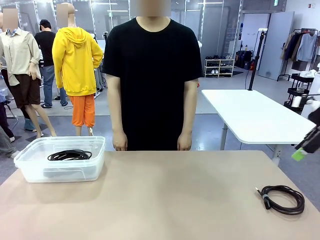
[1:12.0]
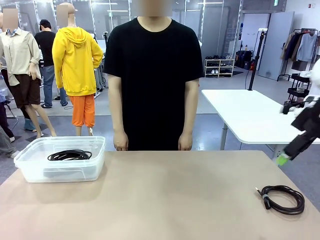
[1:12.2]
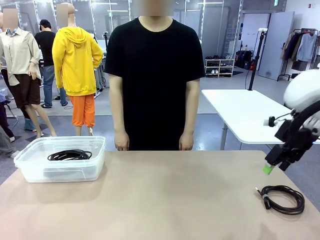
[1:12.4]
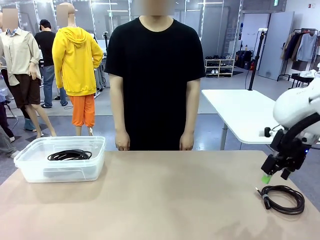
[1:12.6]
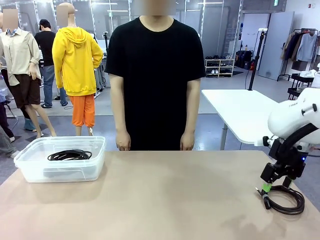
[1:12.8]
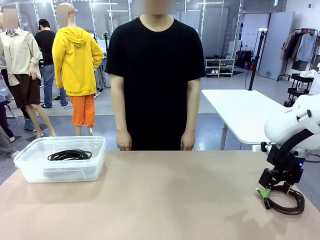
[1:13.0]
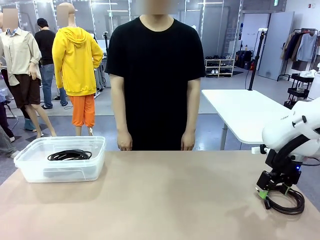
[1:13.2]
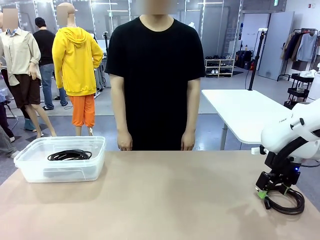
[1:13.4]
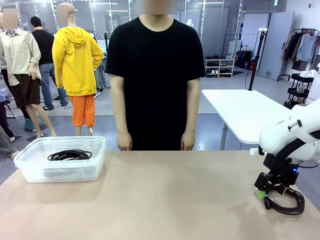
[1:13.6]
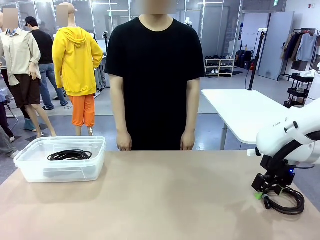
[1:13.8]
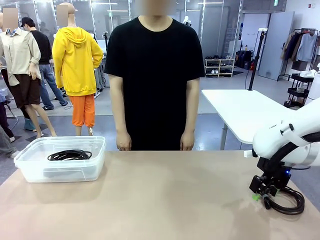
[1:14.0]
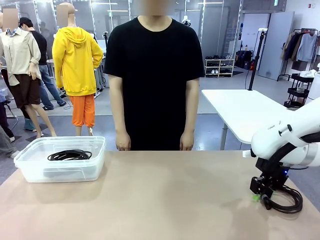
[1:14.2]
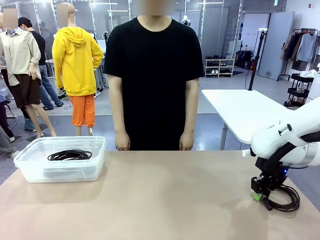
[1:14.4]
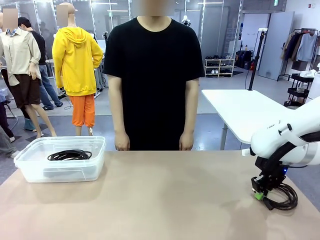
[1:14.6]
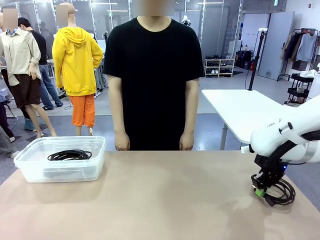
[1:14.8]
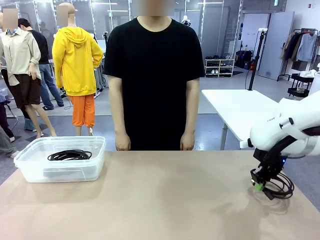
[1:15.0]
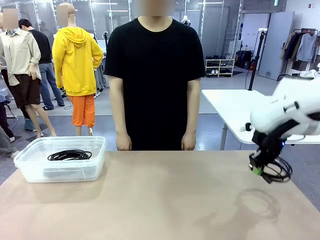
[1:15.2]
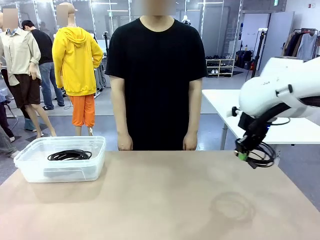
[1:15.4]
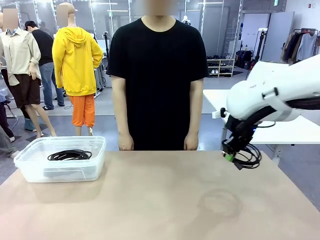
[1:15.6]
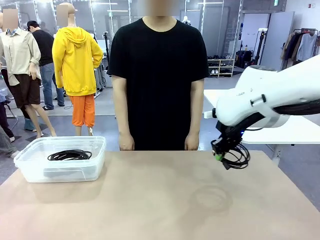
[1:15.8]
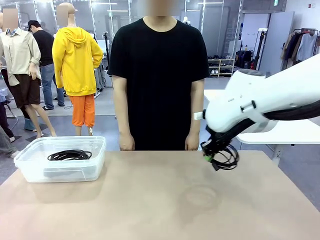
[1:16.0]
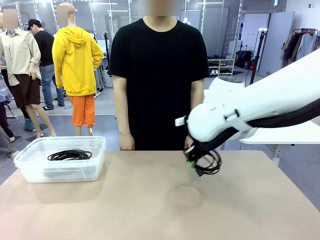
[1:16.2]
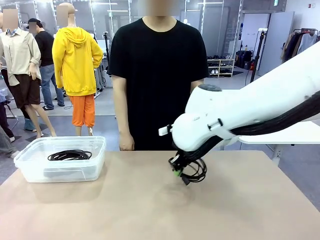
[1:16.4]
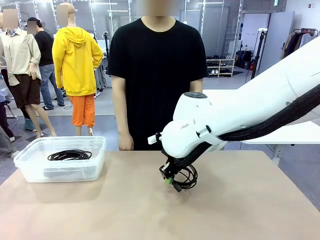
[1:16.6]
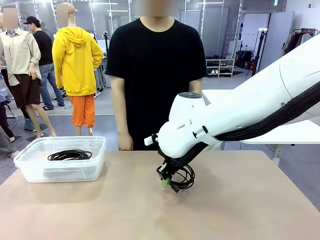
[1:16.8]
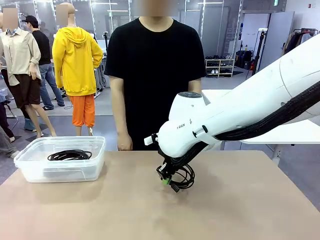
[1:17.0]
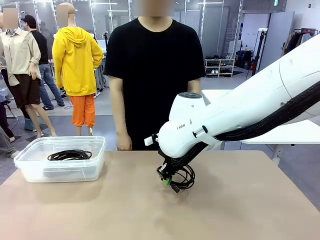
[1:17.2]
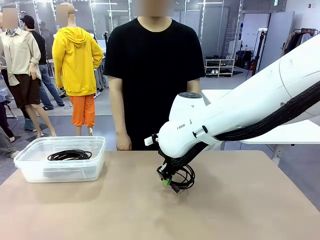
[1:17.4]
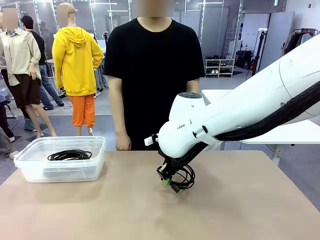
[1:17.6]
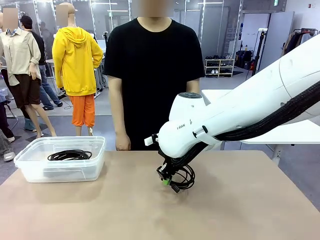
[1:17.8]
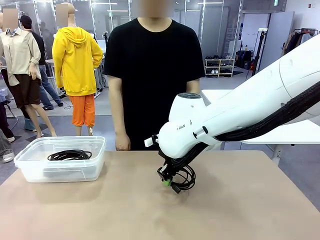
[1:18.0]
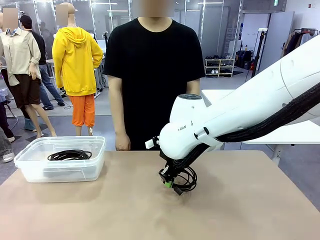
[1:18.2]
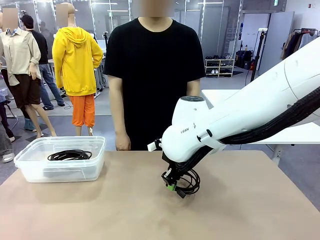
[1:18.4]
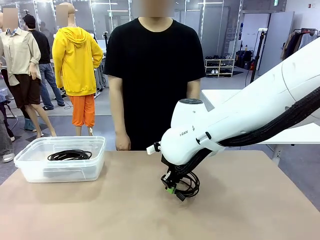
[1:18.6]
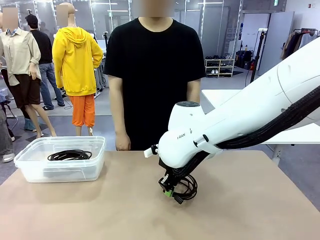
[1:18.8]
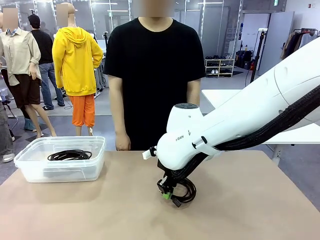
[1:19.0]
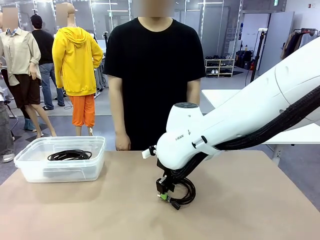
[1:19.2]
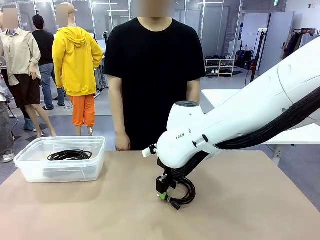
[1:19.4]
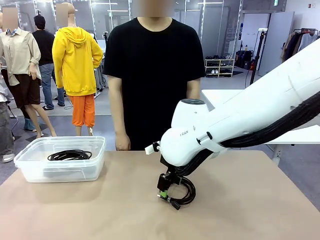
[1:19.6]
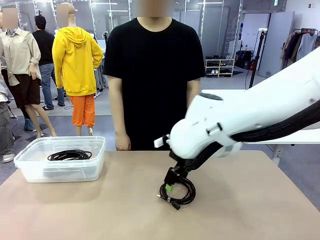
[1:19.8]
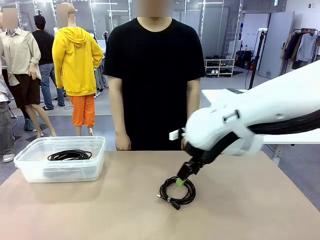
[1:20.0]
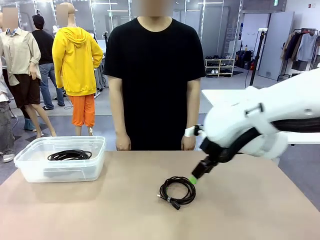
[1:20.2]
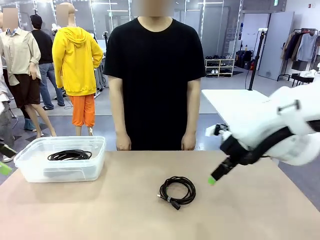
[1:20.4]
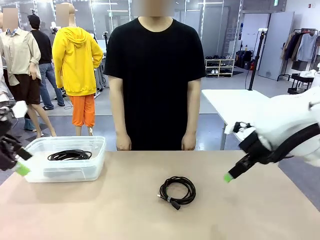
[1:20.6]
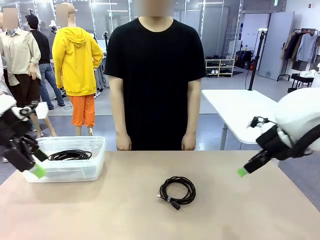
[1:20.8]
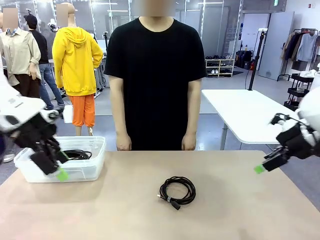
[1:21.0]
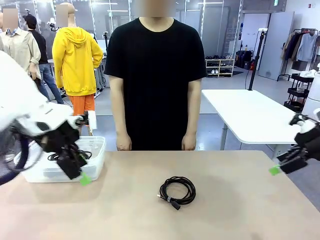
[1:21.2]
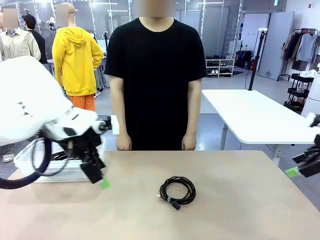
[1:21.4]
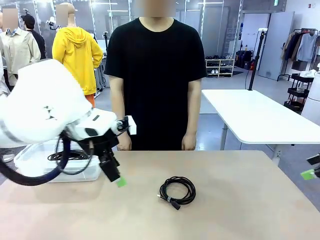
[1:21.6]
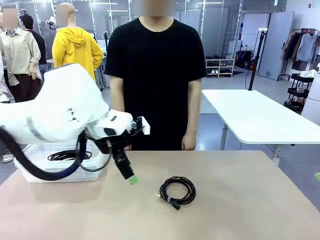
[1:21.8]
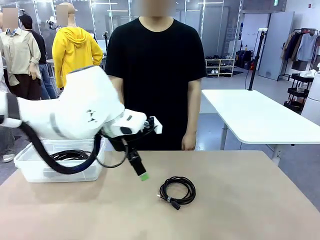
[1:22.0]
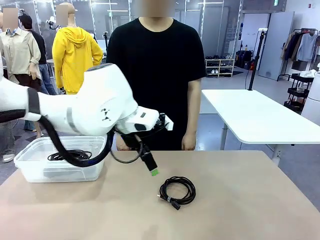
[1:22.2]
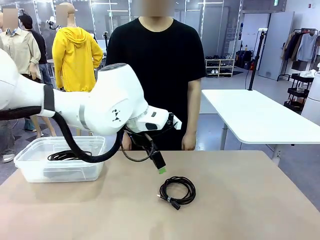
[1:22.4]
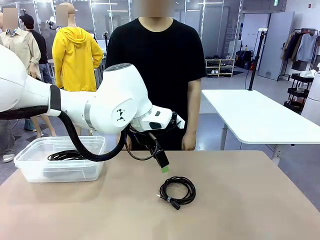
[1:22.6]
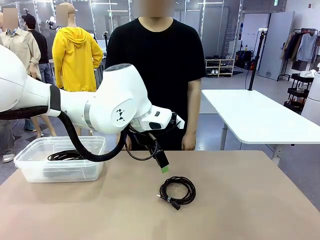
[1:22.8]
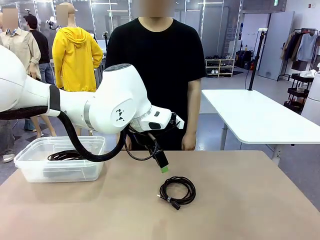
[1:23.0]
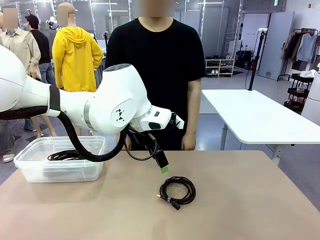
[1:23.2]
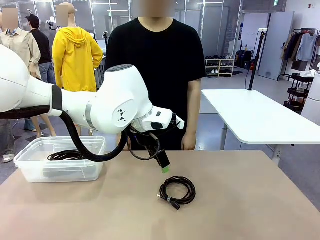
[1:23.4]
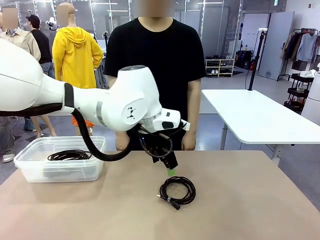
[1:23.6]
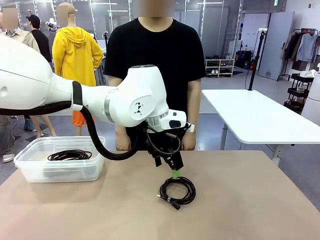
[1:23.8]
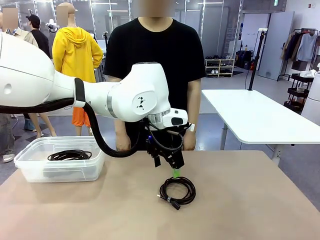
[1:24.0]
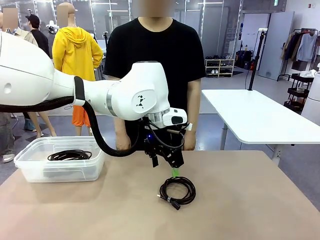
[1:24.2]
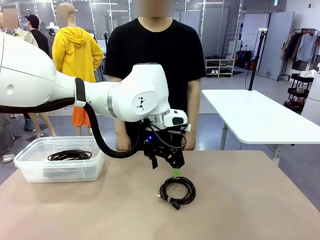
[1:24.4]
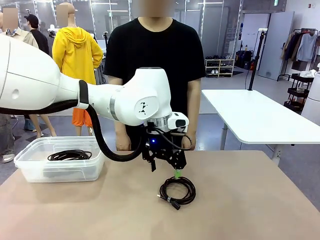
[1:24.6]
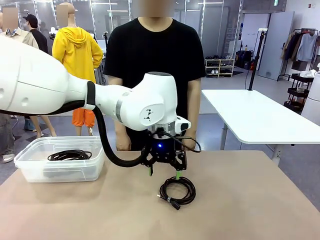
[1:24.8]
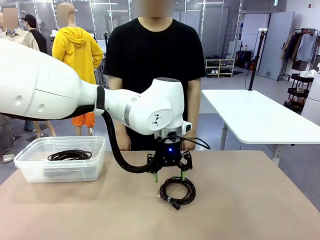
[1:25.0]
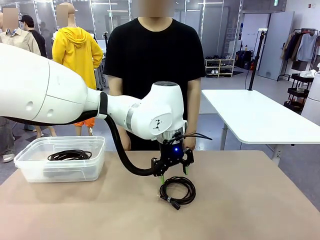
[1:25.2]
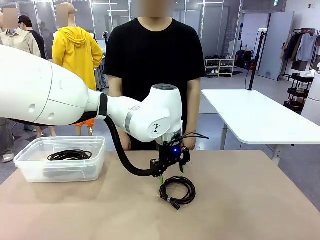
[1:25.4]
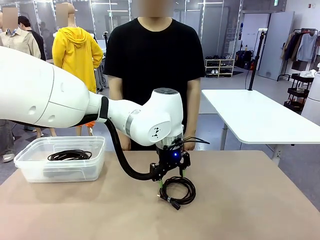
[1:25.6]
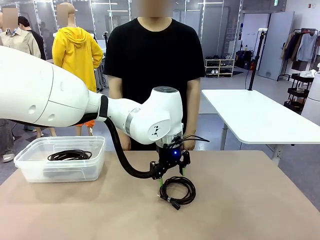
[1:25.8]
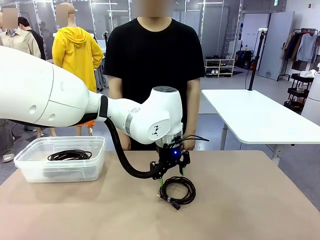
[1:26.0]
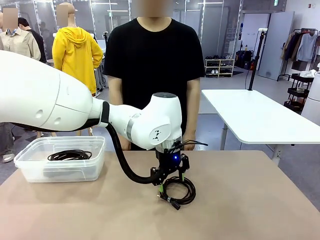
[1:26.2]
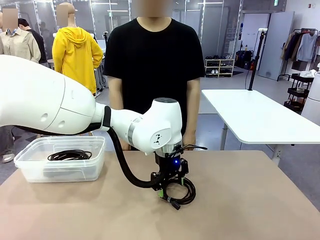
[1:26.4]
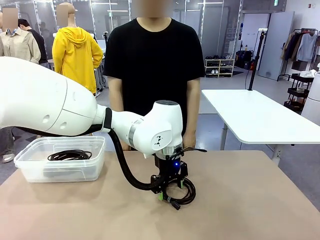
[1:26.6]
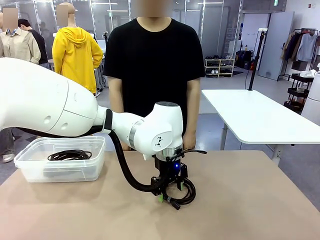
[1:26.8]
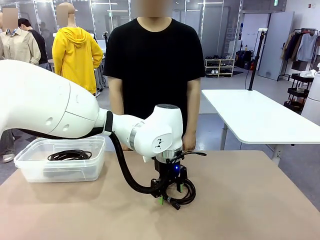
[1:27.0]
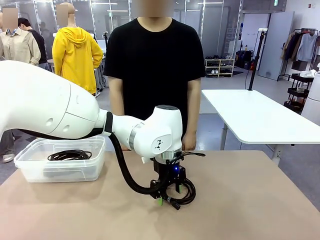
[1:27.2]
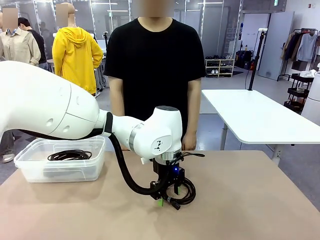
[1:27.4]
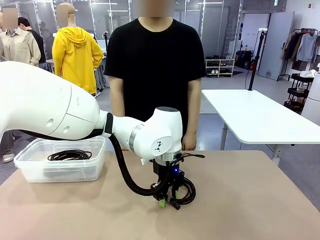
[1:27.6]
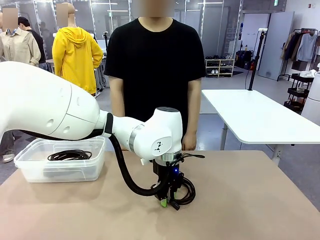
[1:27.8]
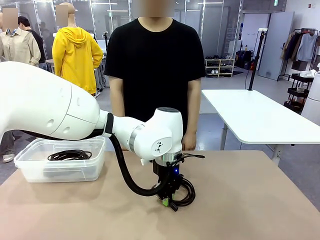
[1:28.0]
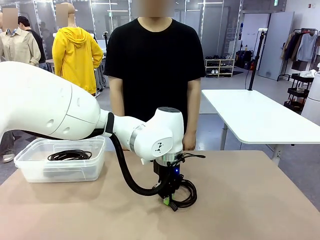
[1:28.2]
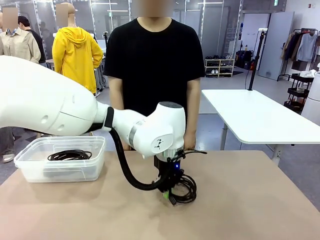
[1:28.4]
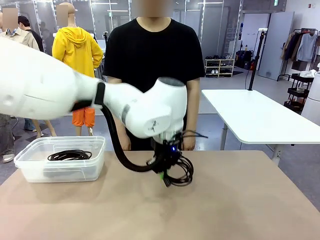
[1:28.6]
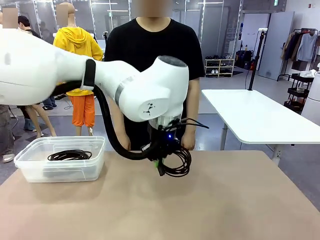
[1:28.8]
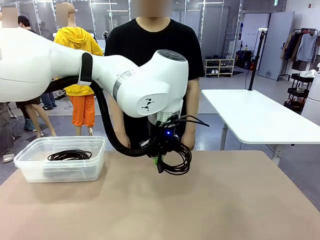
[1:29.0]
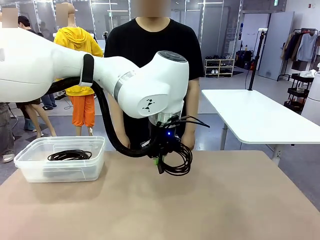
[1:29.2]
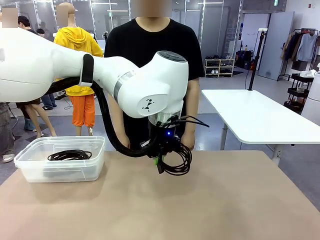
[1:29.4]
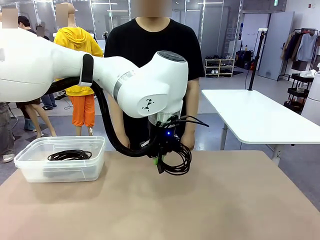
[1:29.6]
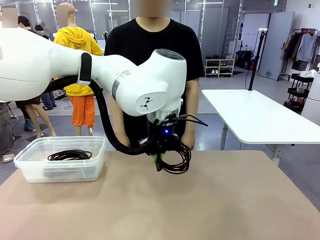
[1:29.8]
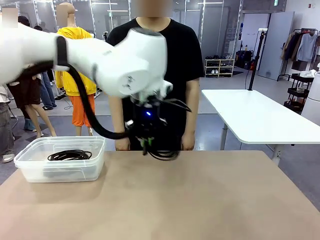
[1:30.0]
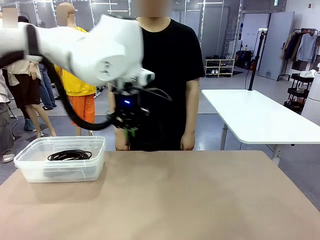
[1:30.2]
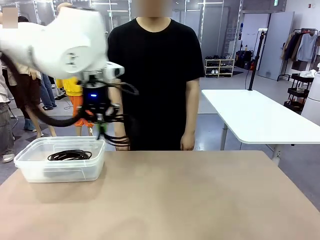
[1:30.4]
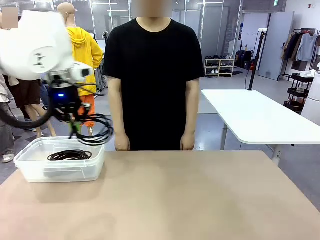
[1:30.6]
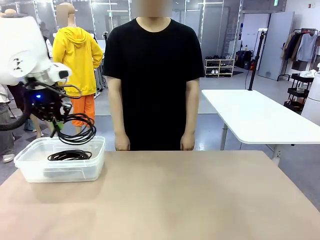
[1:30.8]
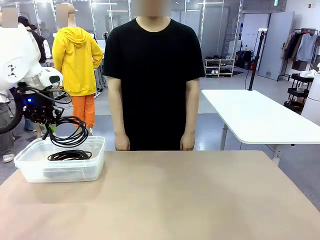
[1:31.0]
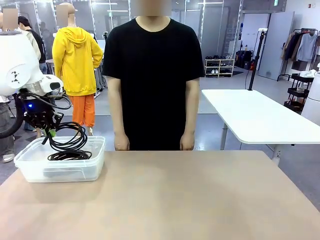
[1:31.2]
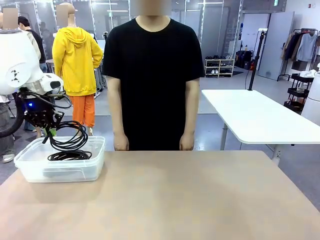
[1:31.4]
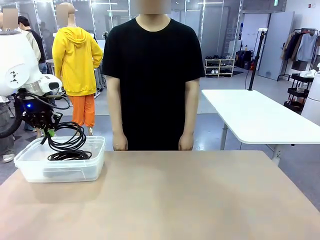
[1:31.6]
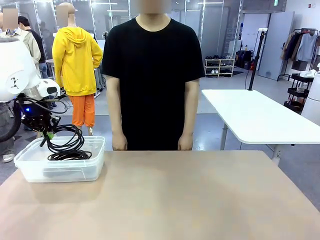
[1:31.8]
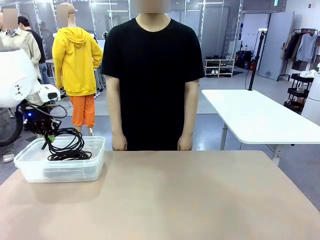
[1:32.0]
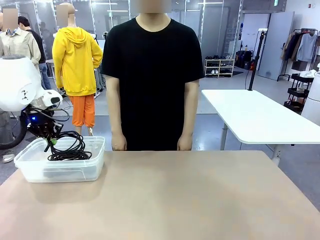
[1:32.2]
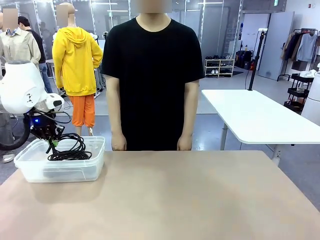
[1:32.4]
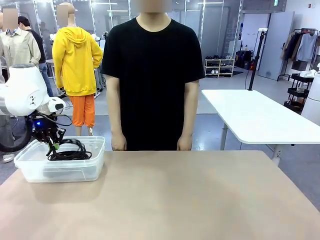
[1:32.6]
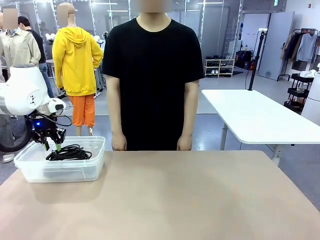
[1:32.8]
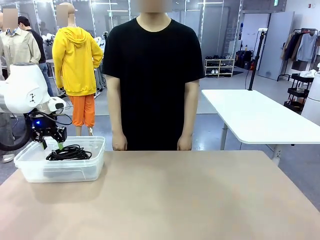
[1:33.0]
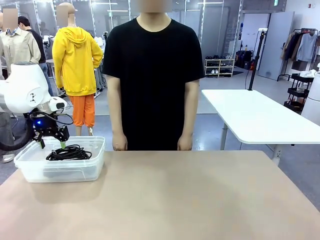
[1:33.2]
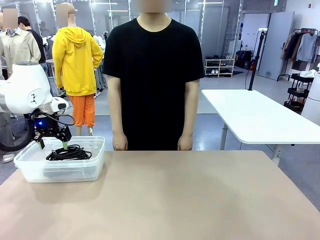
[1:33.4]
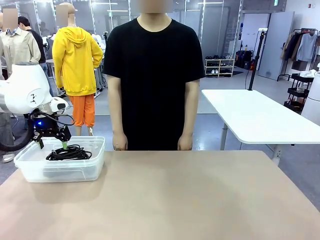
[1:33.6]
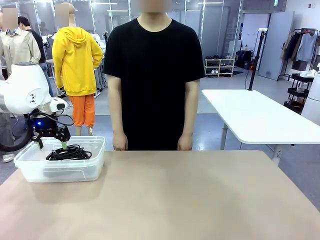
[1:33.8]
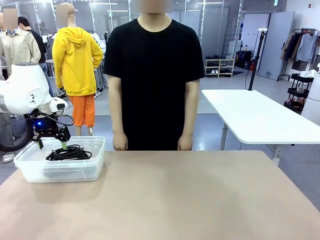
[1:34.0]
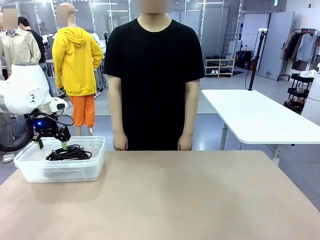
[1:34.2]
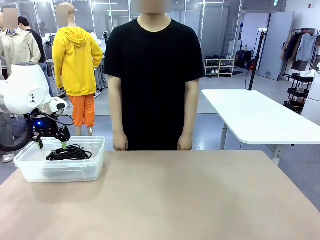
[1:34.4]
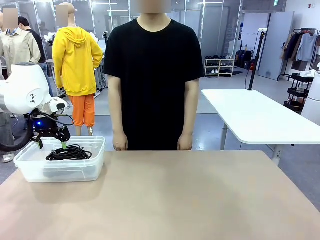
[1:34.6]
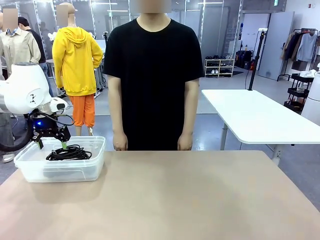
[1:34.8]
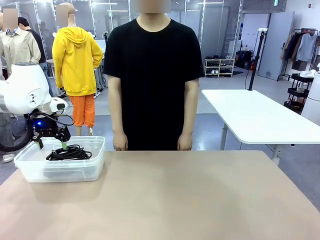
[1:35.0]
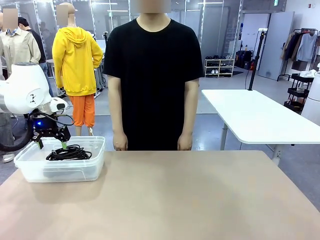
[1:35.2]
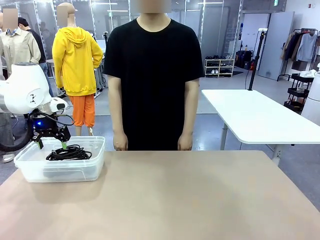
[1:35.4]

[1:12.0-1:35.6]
Task: Organize and store the cables.
Robot: Place the USB Extension Cable into the Organizing box.
